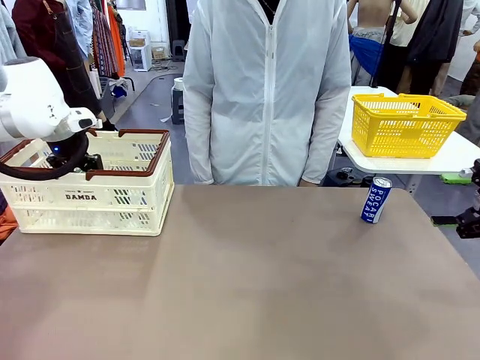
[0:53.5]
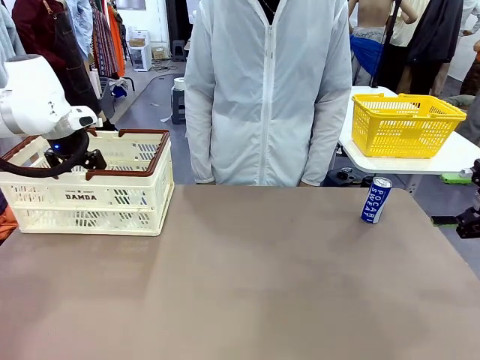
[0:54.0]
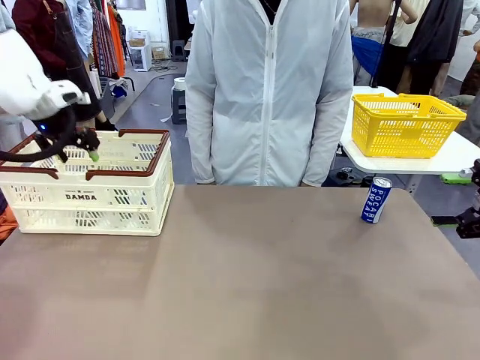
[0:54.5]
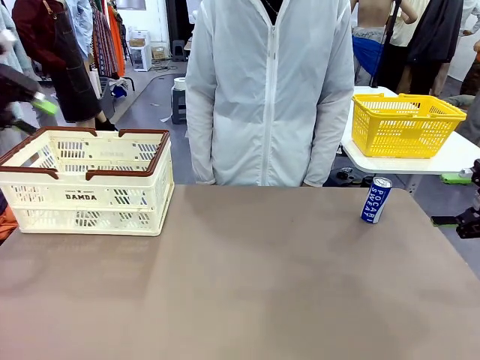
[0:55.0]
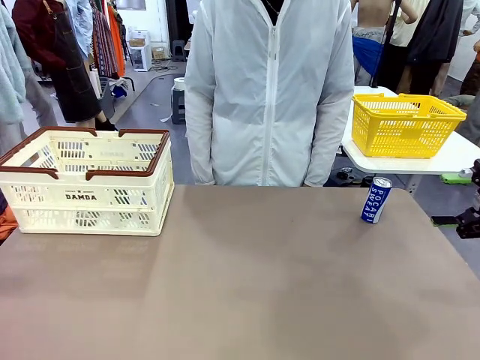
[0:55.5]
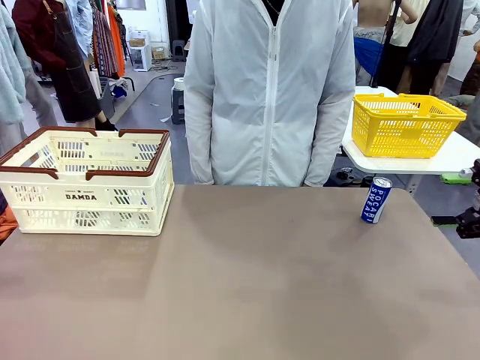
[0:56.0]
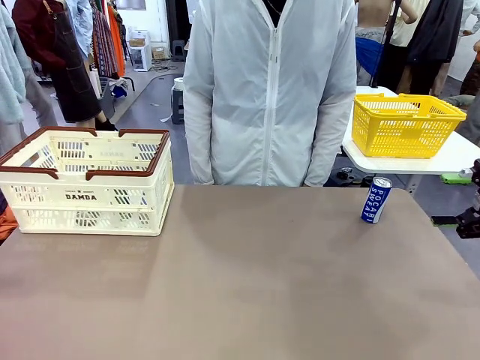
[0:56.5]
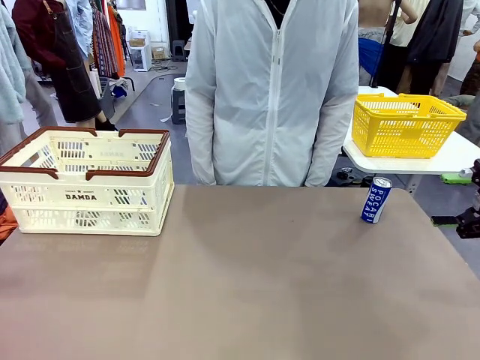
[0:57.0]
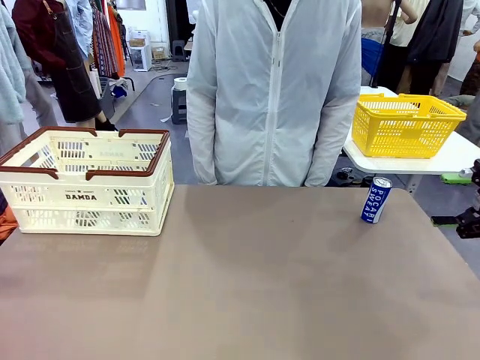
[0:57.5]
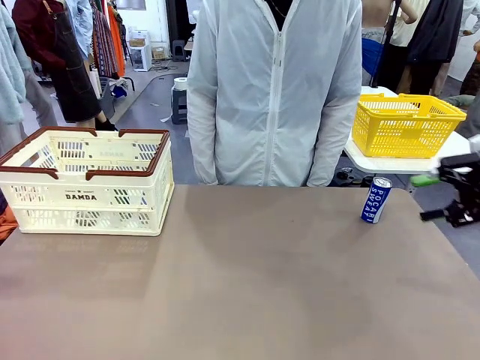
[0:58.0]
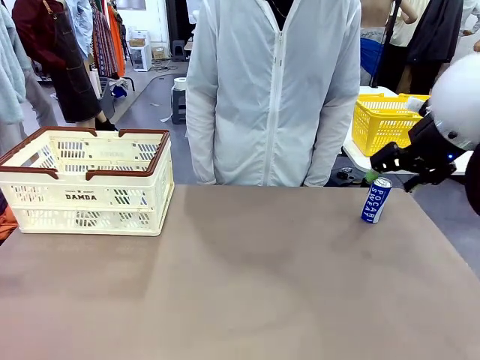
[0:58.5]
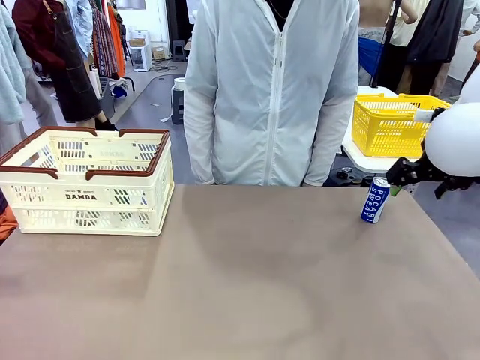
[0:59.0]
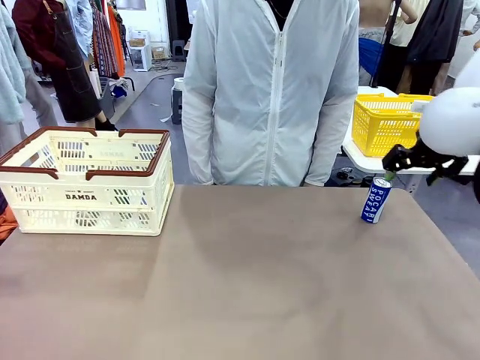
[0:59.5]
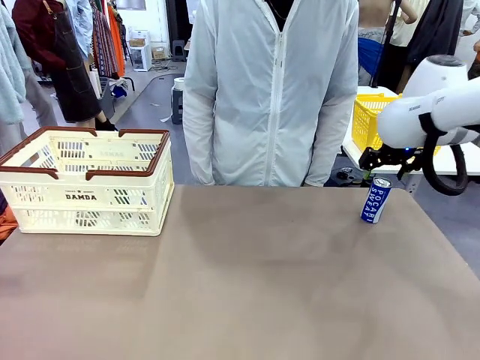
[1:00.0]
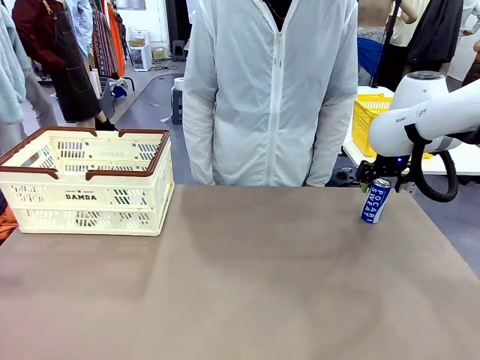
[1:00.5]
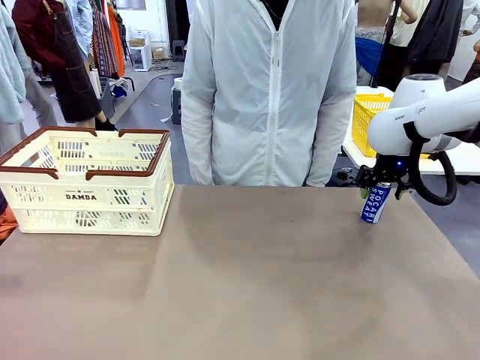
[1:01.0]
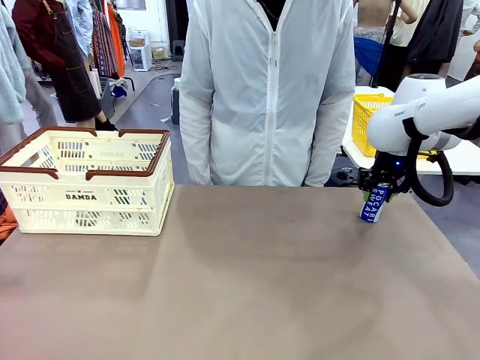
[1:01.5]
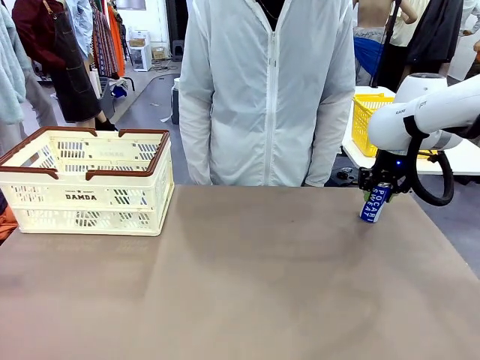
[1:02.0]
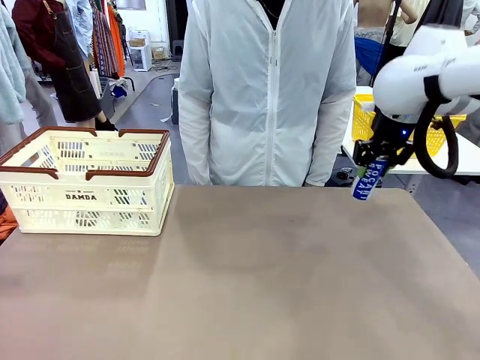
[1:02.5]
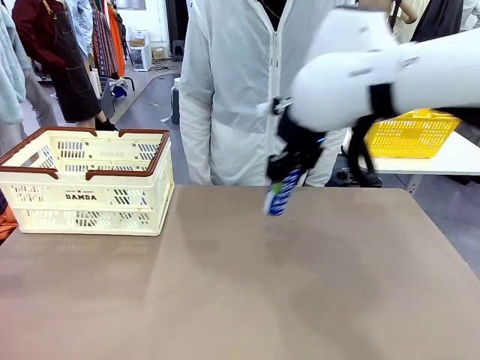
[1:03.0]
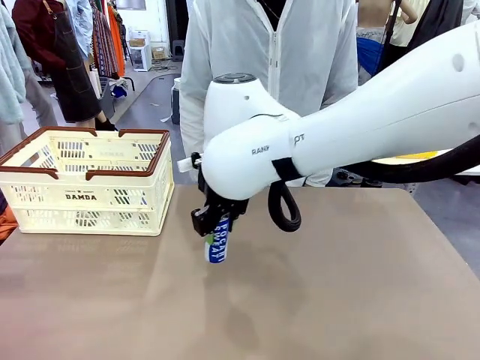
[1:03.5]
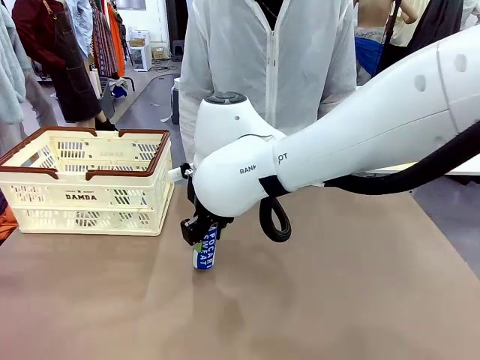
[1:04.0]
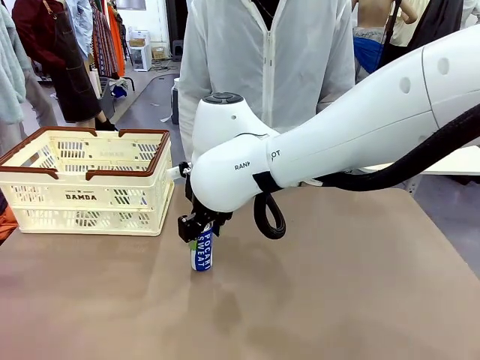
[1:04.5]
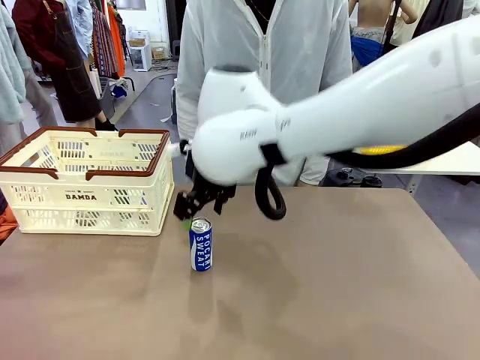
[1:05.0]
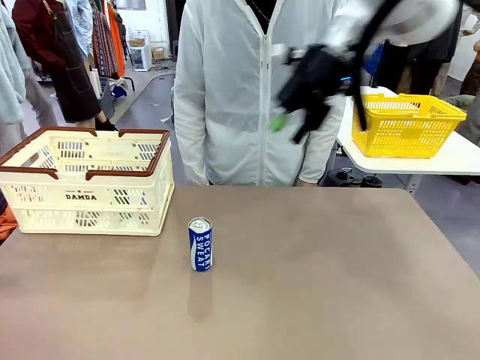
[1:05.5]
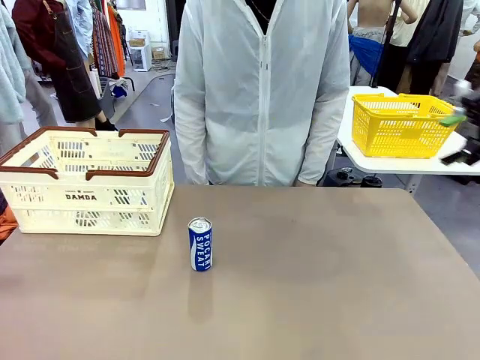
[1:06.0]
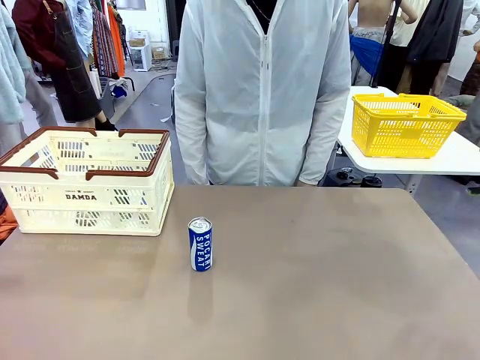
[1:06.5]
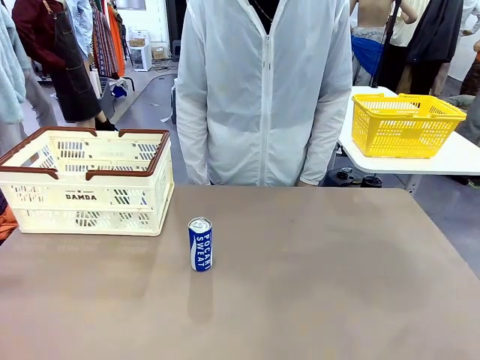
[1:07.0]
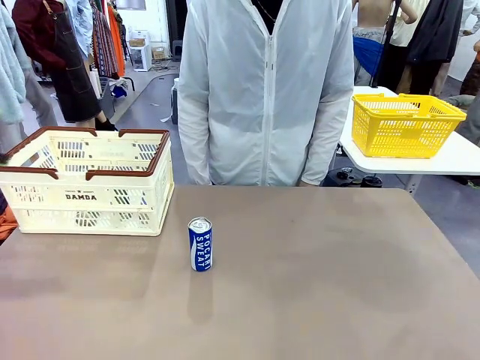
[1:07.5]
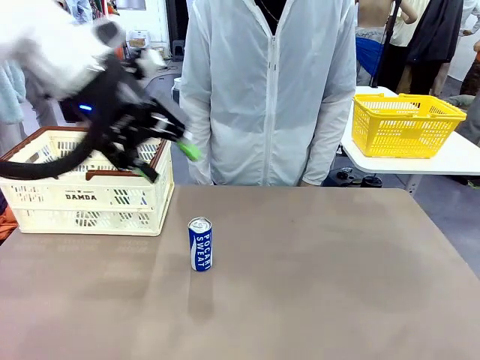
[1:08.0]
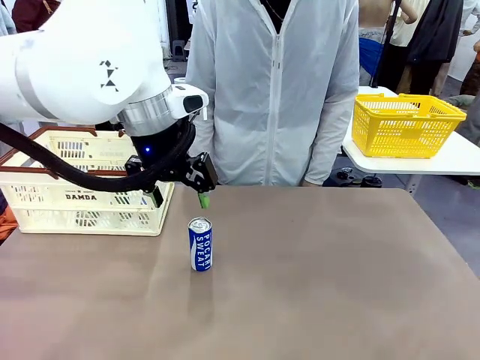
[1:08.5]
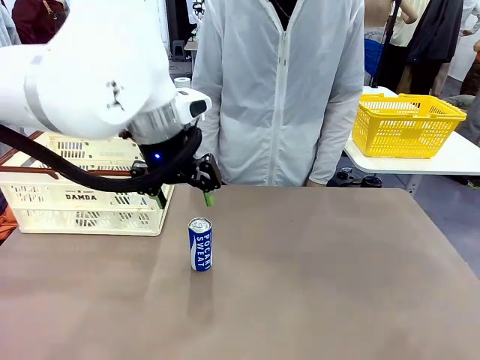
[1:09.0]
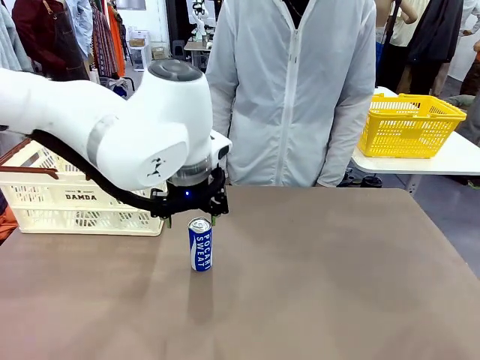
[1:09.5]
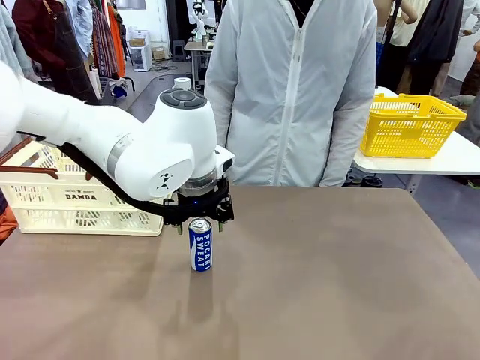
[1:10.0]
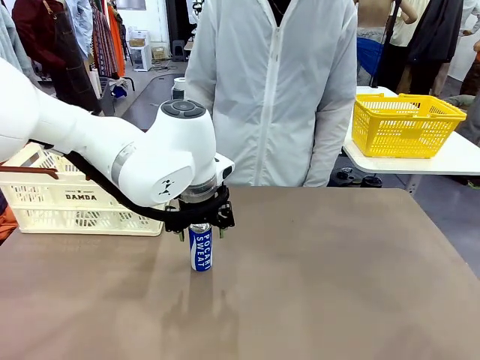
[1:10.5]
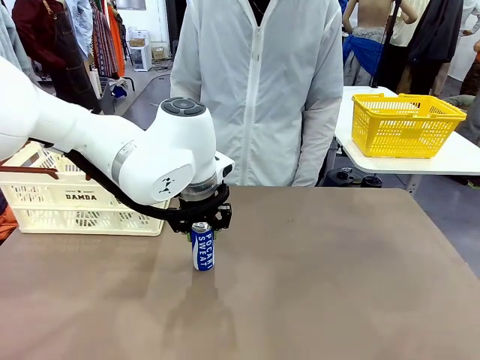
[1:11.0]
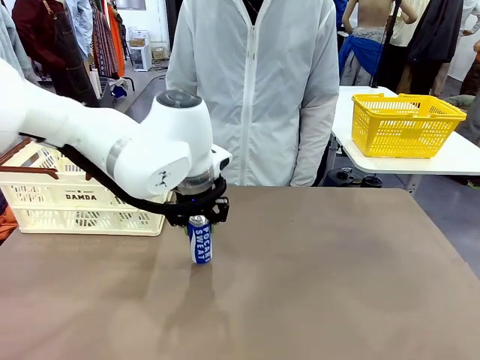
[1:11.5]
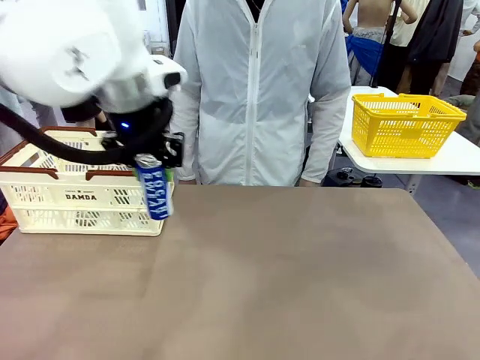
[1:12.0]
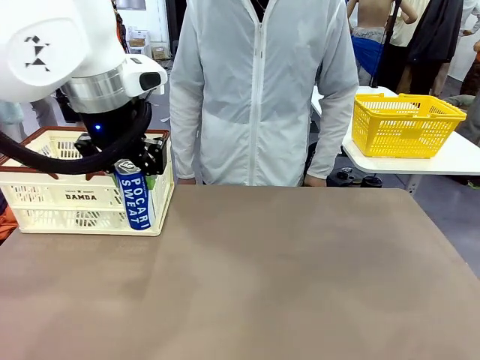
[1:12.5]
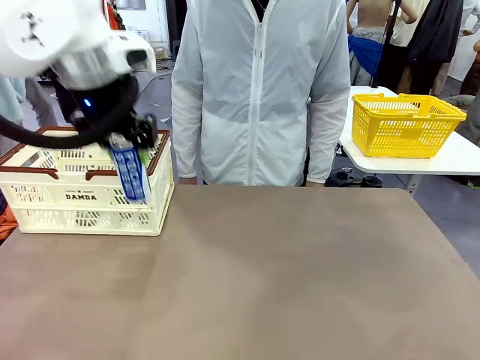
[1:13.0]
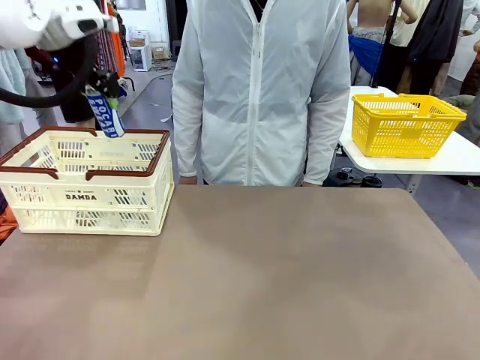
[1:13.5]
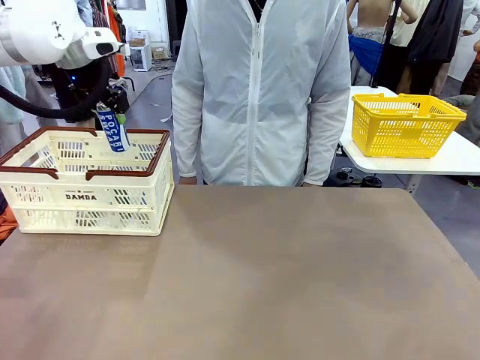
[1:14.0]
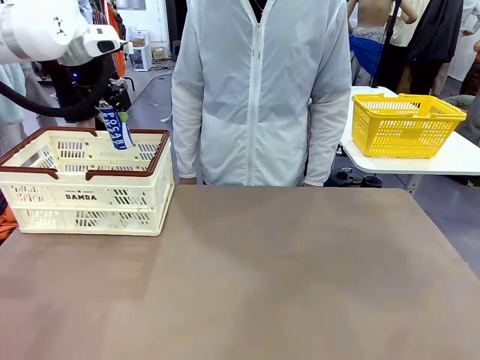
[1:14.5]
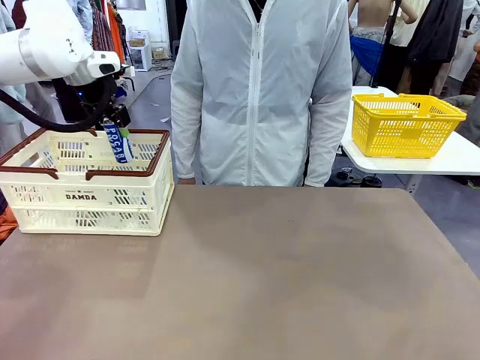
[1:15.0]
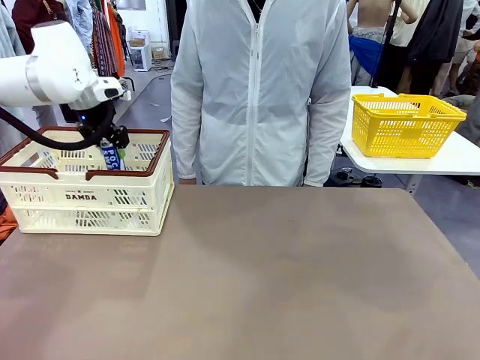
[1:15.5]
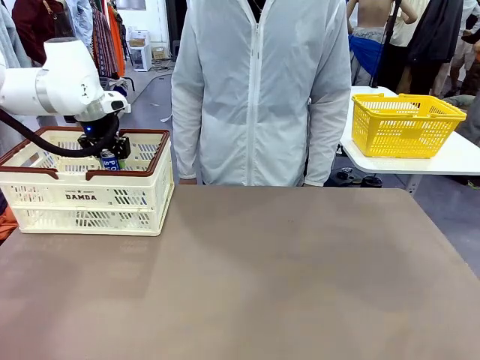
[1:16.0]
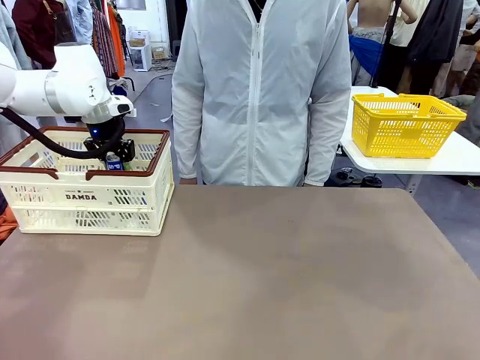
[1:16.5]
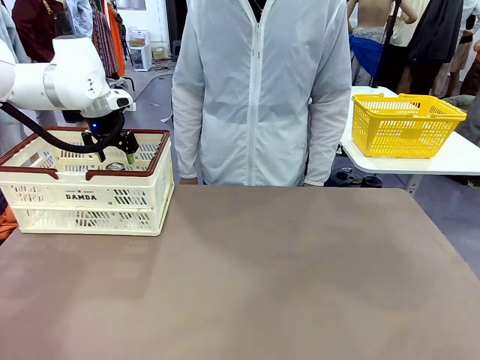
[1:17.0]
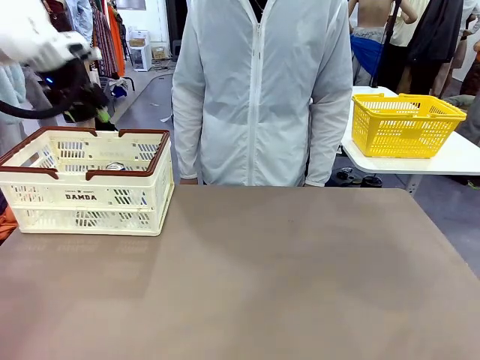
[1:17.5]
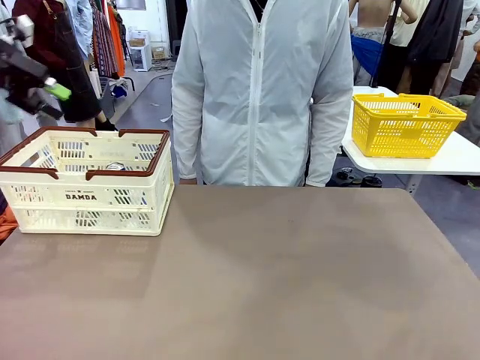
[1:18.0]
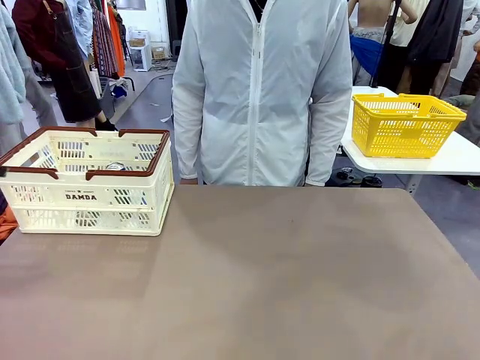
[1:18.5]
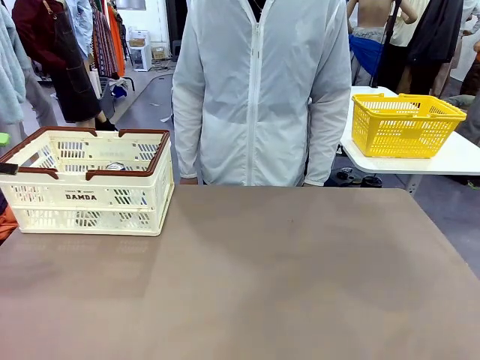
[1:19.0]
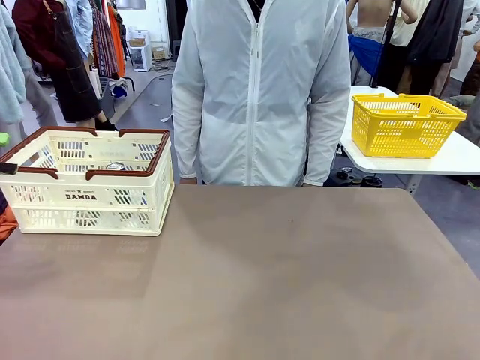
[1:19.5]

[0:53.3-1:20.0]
Task: Place the drinks into the Shopping basket.
Robot: Pick up one drink and place it into the Shopping basket.
